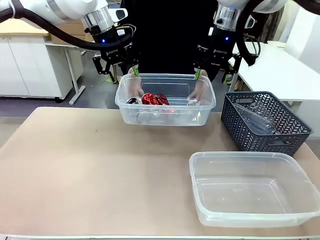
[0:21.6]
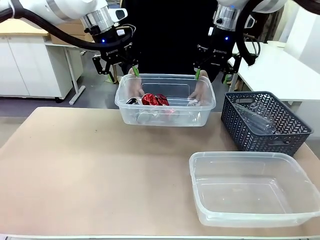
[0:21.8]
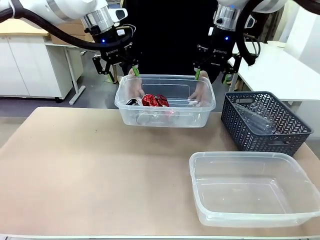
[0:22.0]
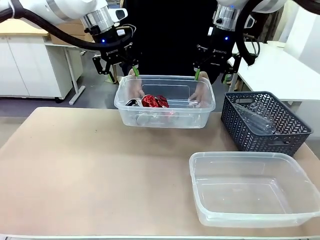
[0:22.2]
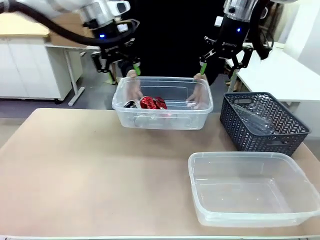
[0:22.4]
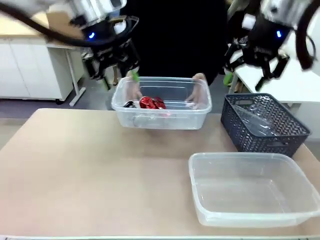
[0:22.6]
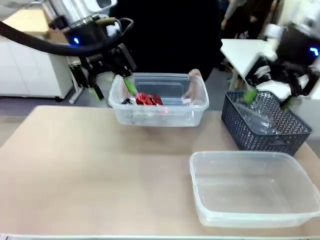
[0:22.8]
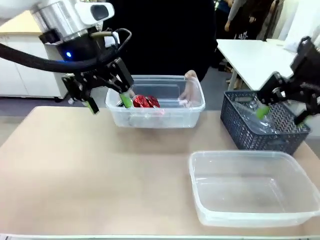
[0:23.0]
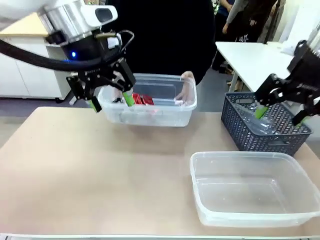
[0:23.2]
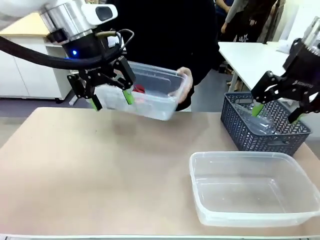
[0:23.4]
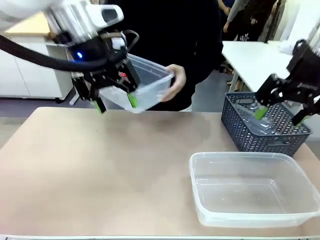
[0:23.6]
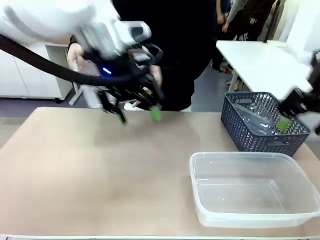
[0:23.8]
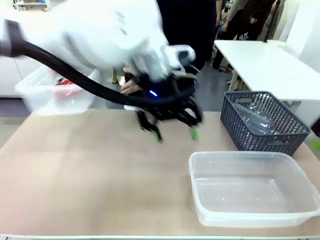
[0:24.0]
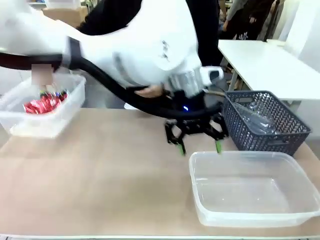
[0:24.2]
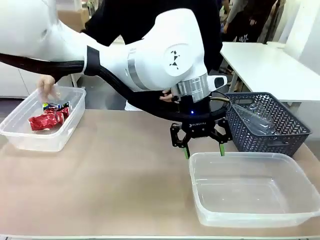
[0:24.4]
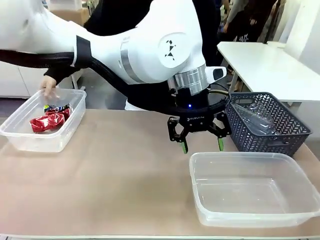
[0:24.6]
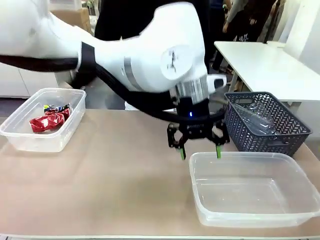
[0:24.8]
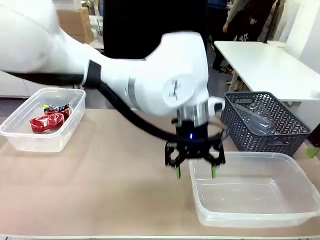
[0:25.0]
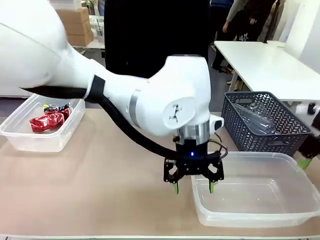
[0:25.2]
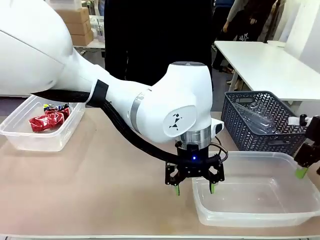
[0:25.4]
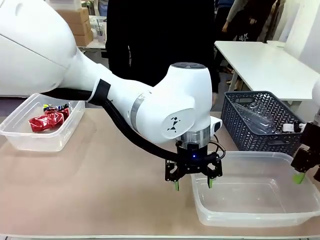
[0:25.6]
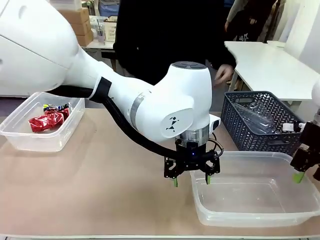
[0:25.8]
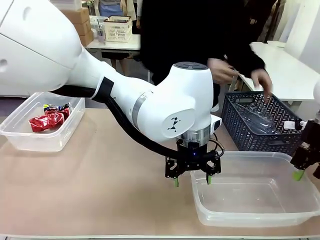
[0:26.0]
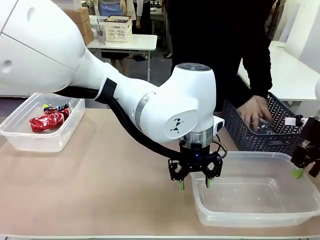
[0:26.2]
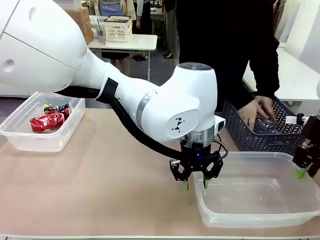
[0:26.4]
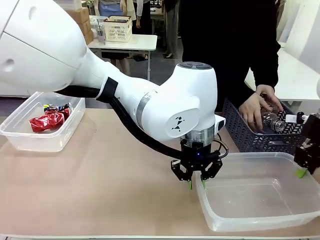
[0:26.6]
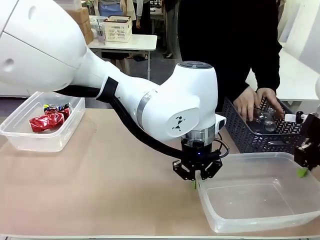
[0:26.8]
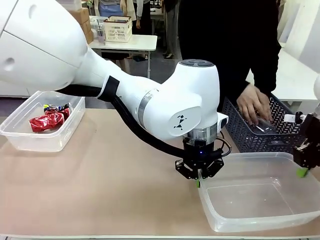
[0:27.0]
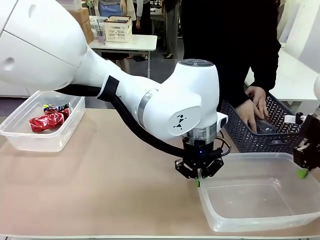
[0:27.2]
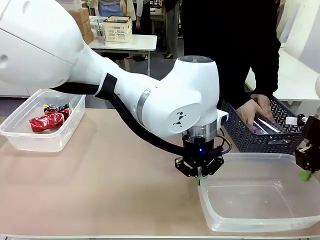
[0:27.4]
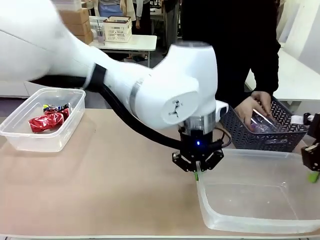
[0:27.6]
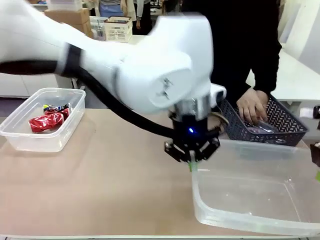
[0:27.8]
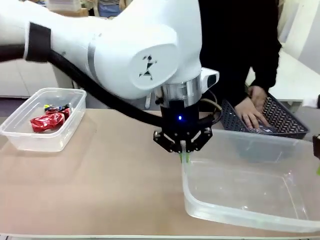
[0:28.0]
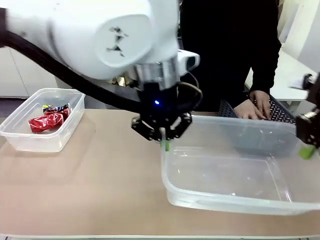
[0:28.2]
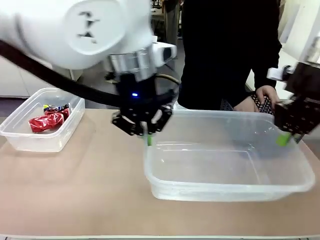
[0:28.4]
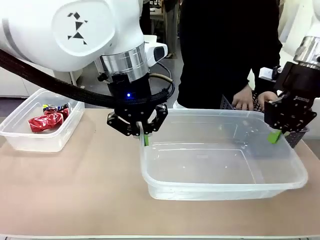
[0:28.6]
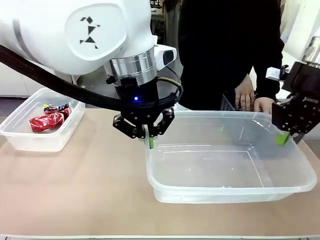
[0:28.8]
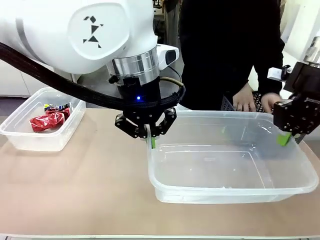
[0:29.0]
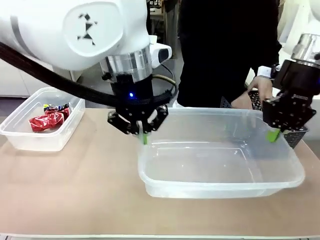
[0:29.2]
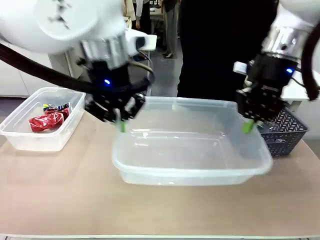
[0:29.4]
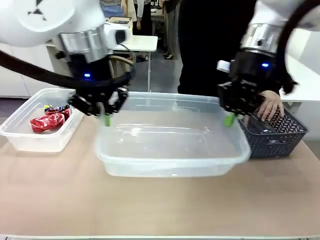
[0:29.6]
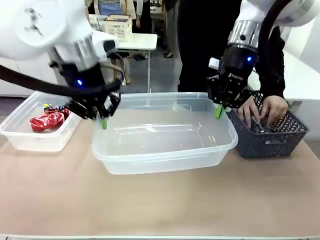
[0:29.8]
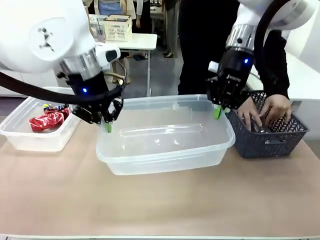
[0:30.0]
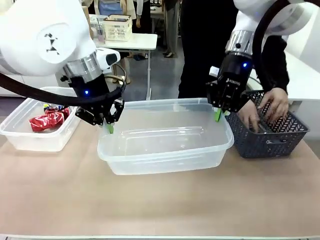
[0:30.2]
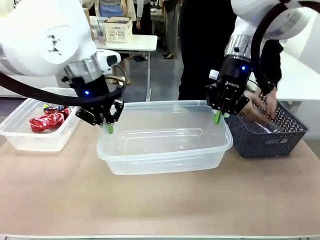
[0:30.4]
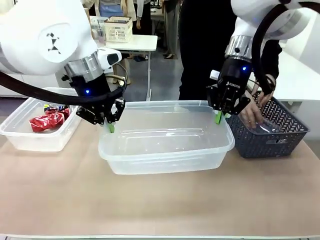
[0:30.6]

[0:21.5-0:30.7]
Robot: Pick up the Organizing box on the right side of the table and lift it.
Person: Place it at the edge of the bottom right area of the robot table. Pick up plastic waste one by one and place it into the organizing box lifted by the robot.

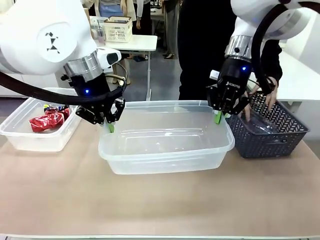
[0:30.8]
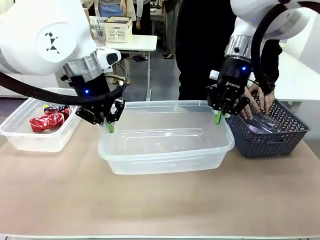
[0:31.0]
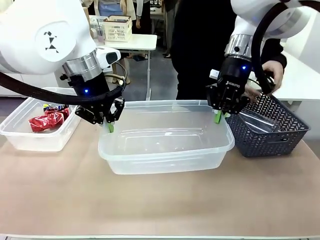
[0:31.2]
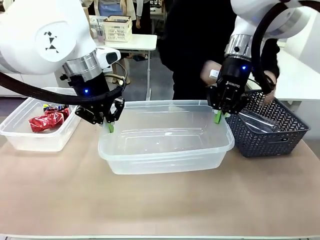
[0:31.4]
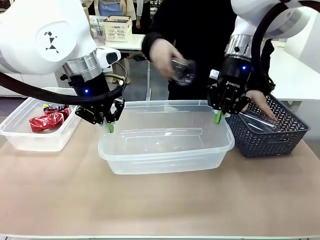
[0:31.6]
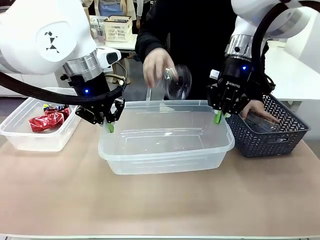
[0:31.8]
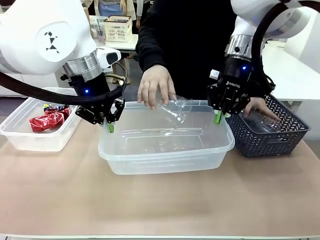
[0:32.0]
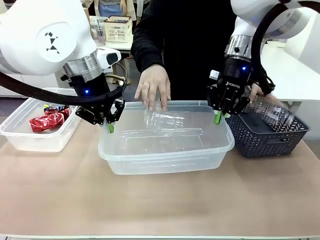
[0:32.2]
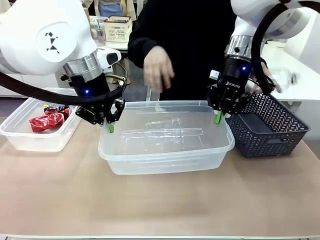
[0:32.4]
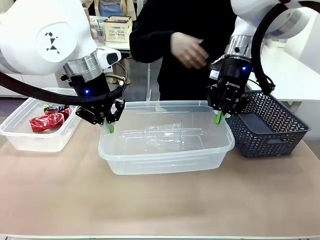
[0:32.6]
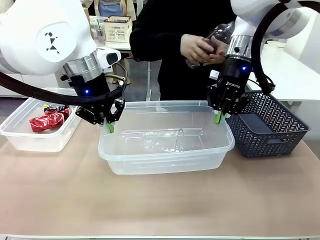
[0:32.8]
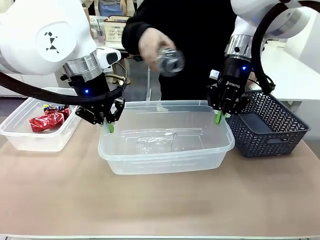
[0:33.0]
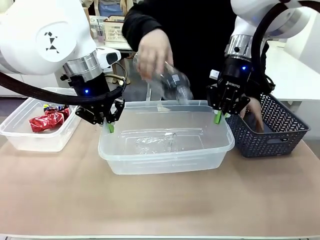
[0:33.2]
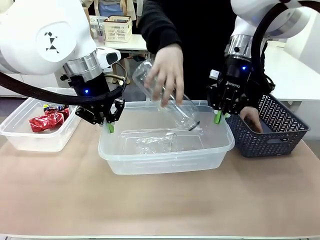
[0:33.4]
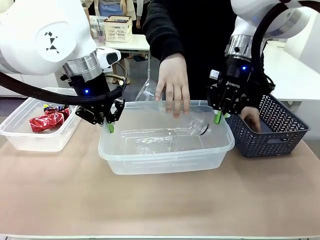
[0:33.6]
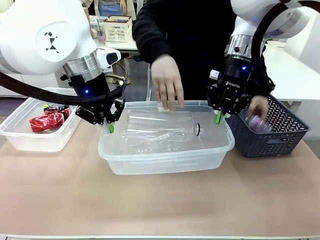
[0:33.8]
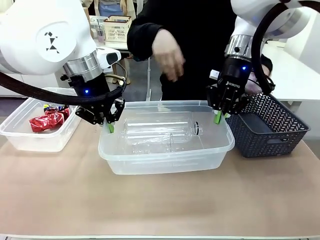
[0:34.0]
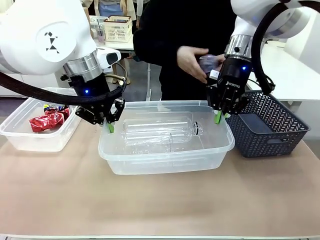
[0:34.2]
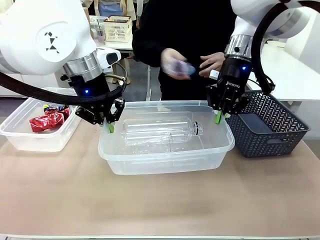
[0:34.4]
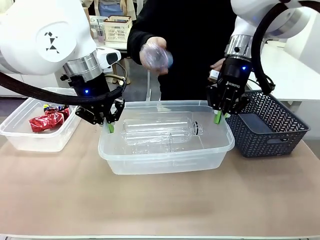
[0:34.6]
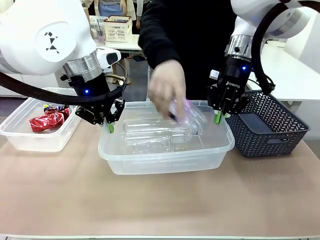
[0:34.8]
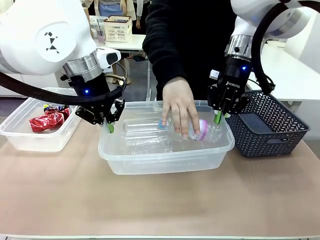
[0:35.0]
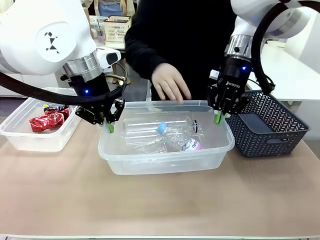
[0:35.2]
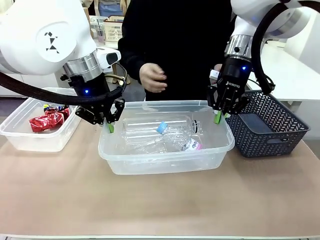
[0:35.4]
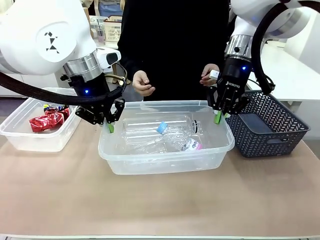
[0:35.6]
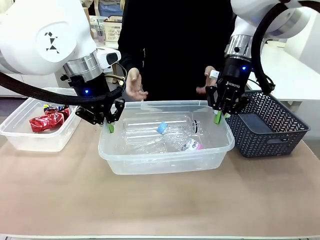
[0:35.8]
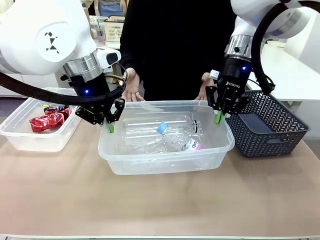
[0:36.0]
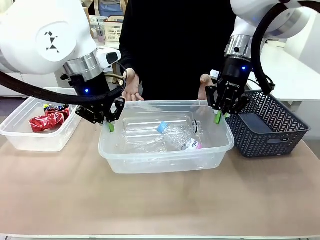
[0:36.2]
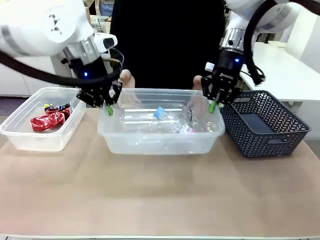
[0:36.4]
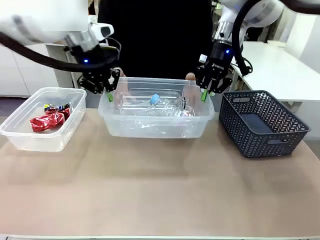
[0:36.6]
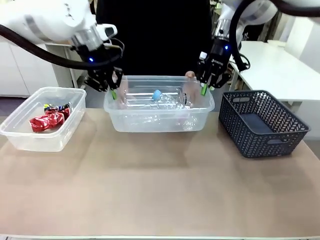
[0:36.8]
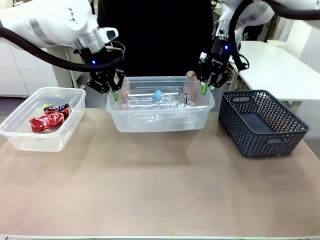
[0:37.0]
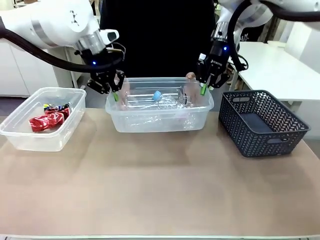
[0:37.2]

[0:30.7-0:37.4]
Robot: Offer the picked Organizing box to the human.

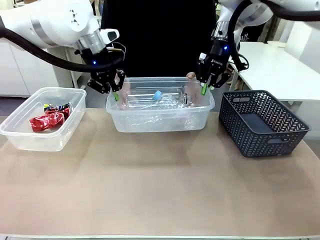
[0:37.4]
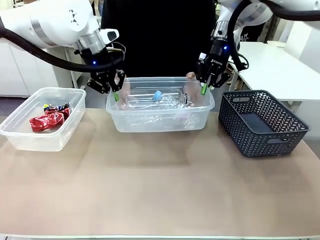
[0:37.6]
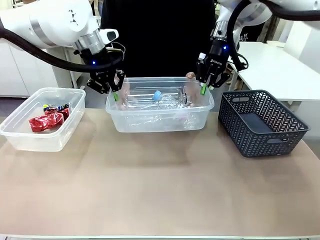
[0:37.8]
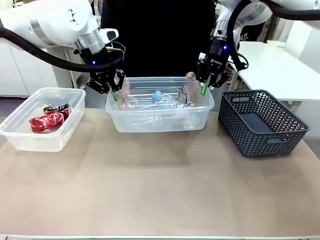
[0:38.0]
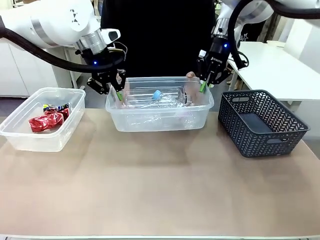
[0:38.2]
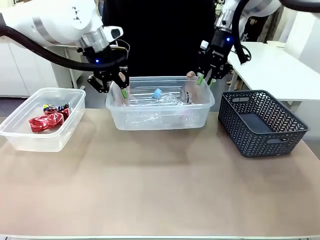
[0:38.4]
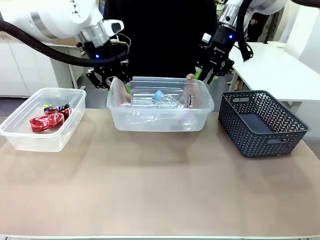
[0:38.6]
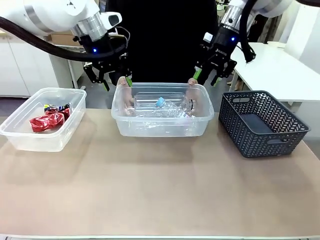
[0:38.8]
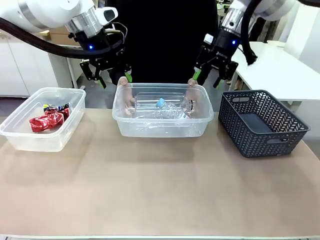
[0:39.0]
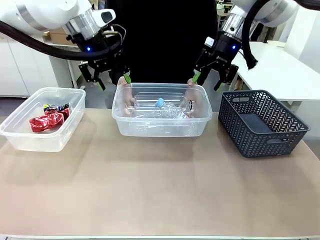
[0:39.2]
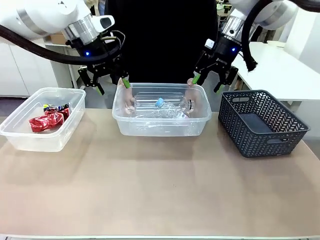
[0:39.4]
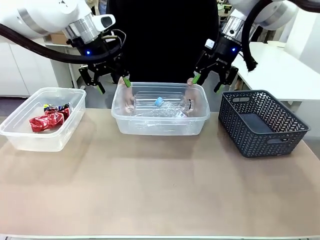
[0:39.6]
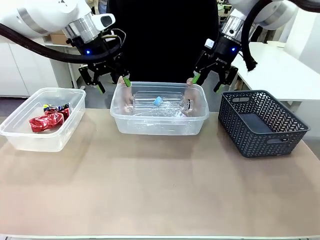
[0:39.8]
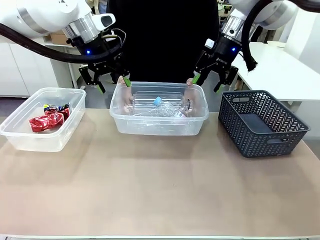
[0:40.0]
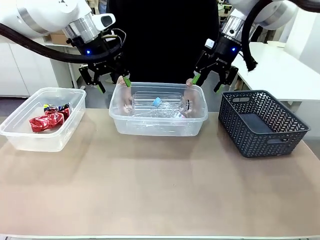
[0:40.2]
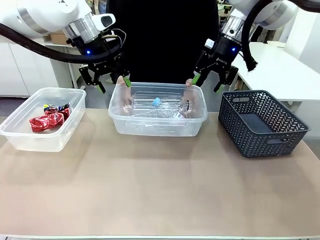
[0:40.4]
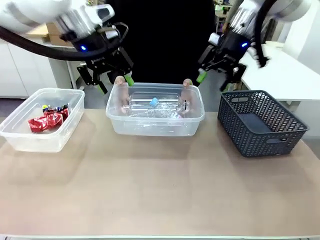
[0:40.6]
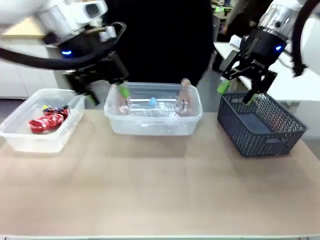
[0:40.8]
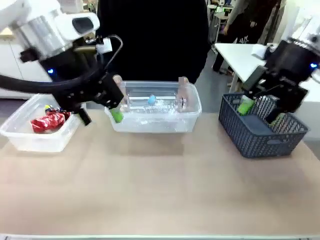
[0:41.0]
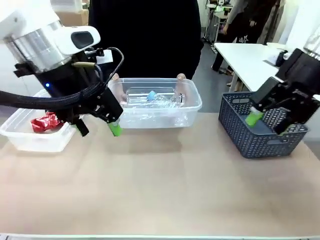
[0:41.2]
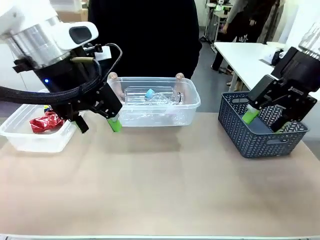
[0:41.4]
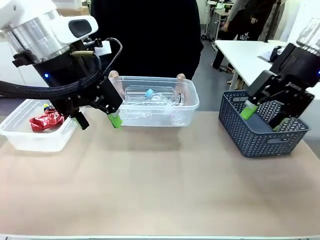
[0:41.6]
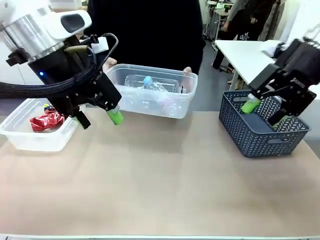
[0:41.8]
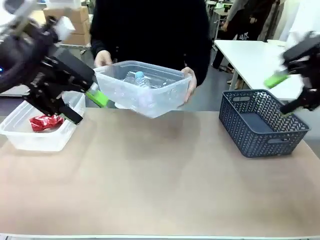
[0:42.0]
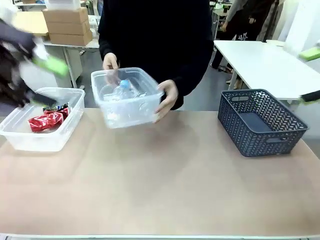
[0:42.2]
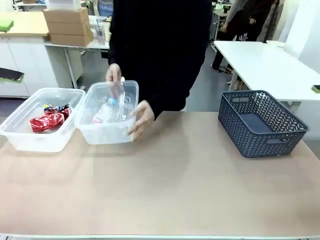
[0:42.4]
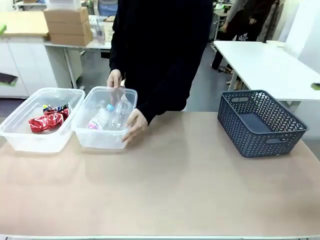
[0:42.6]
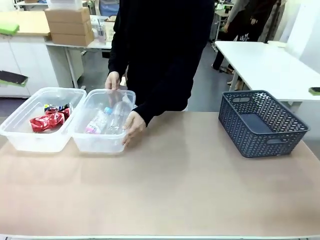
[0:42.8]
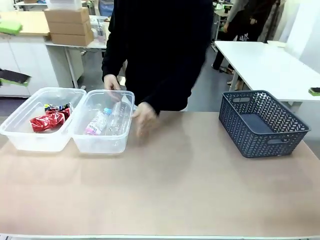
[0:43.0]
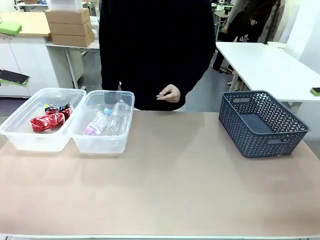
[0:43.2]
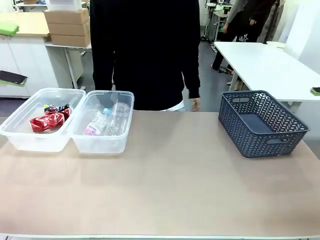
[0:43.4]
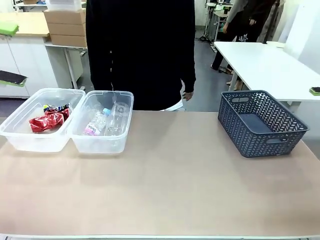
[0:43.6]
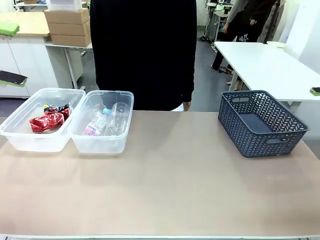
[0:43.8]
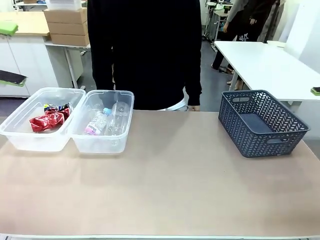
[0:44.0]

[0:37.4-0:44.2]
Robot: Release the Organizing box you were holding.
Person: Pick up the organizing box extended by the robot. Place the organizing box to the left of the sorting box containing the can waste.
